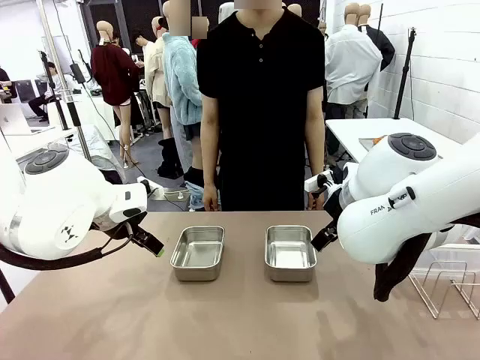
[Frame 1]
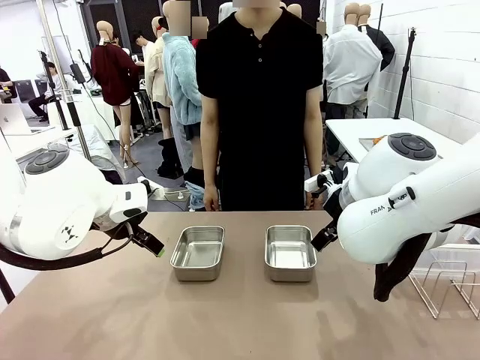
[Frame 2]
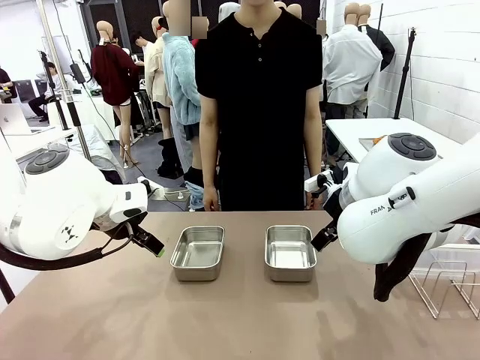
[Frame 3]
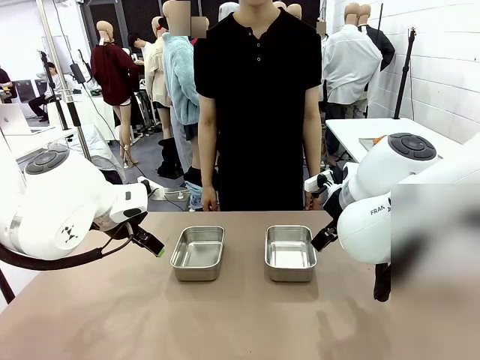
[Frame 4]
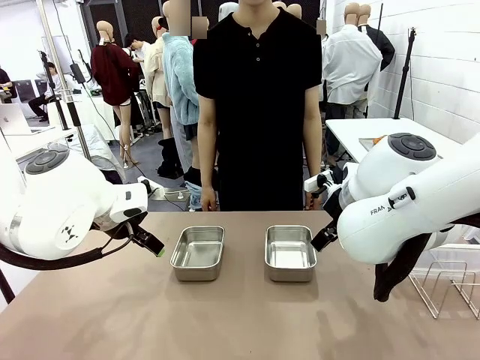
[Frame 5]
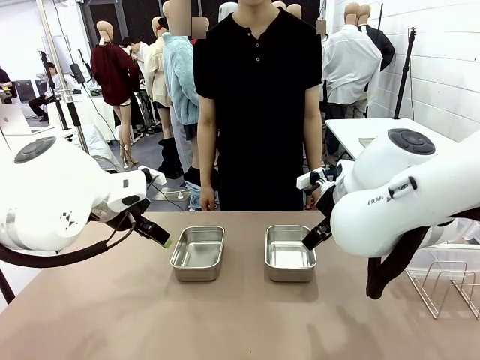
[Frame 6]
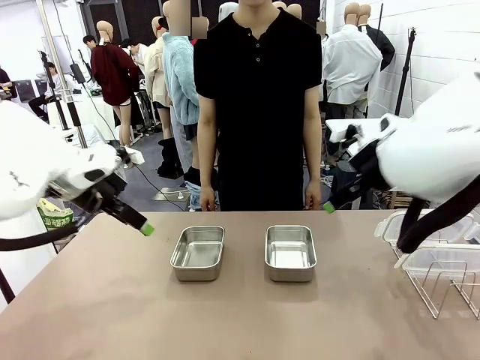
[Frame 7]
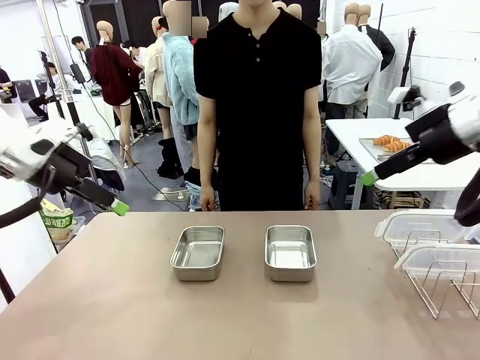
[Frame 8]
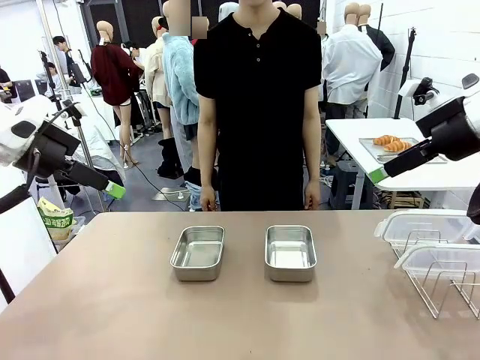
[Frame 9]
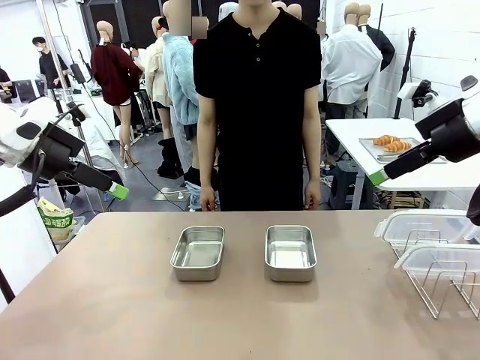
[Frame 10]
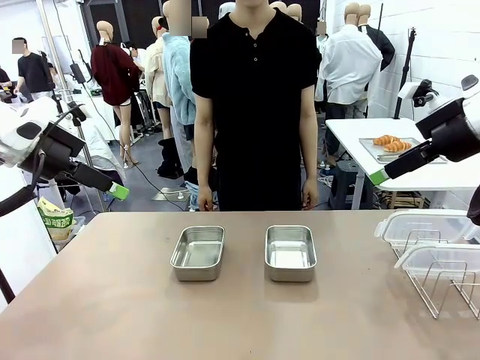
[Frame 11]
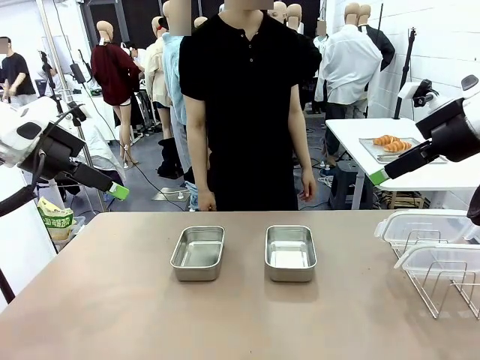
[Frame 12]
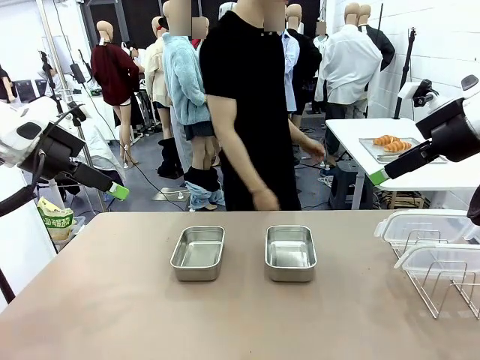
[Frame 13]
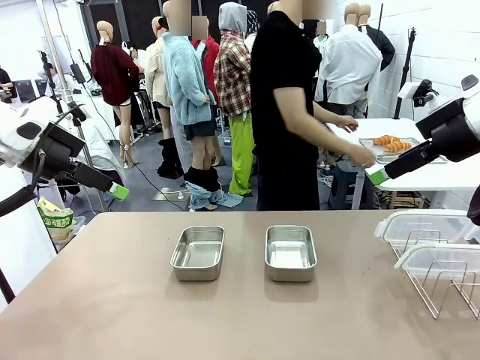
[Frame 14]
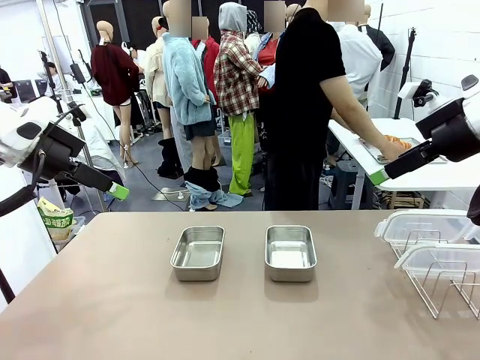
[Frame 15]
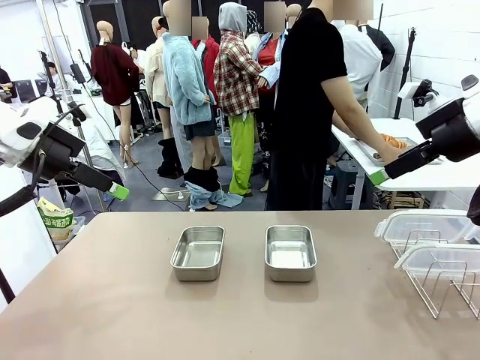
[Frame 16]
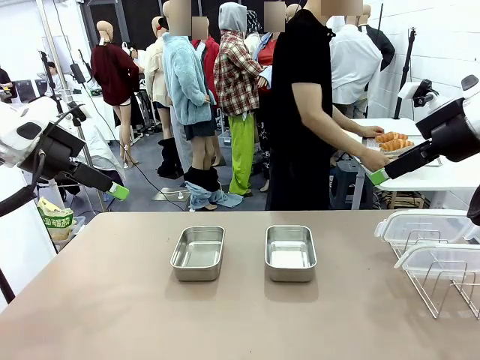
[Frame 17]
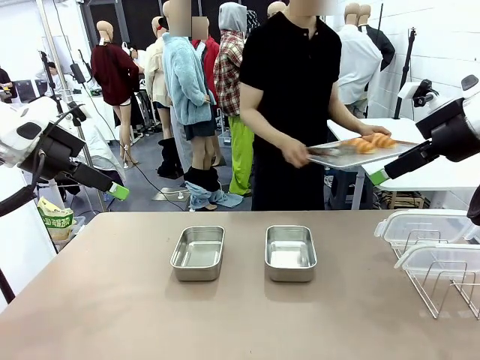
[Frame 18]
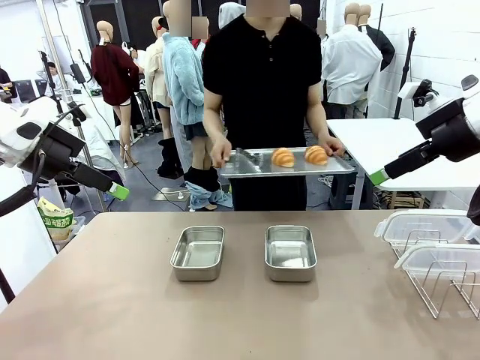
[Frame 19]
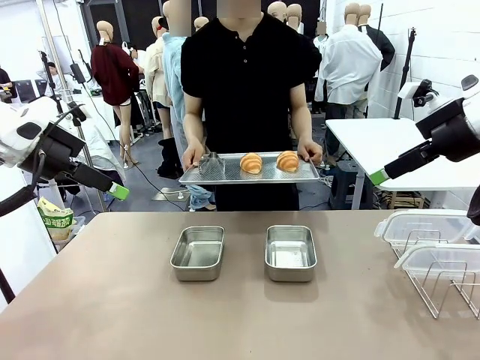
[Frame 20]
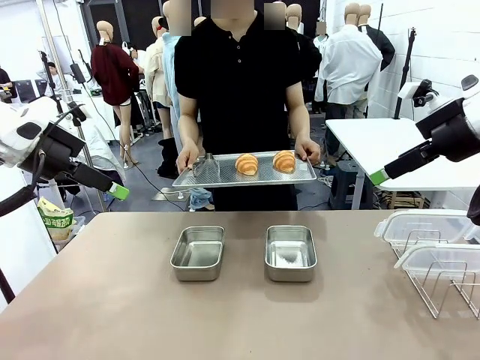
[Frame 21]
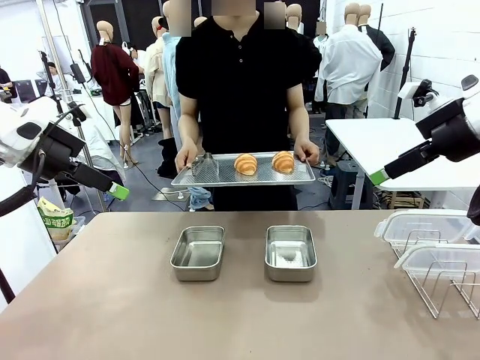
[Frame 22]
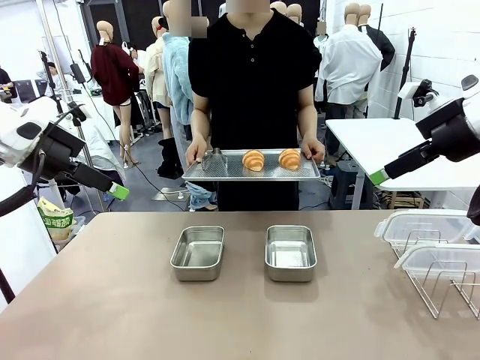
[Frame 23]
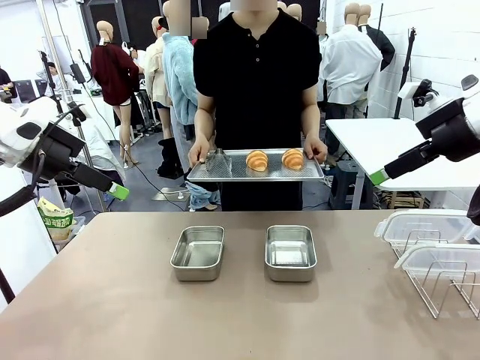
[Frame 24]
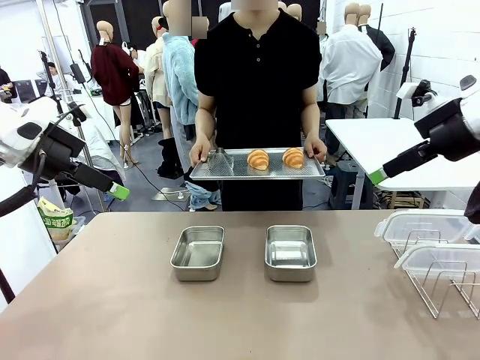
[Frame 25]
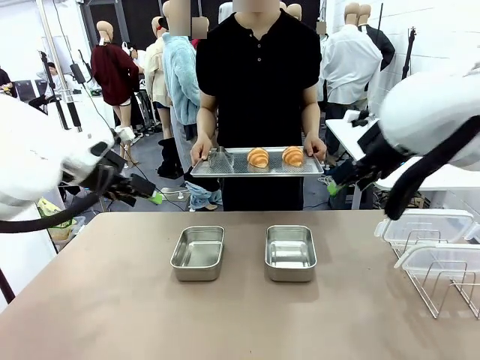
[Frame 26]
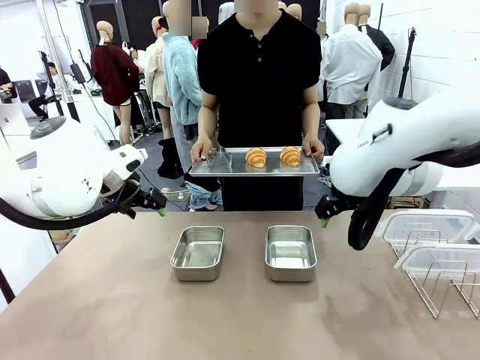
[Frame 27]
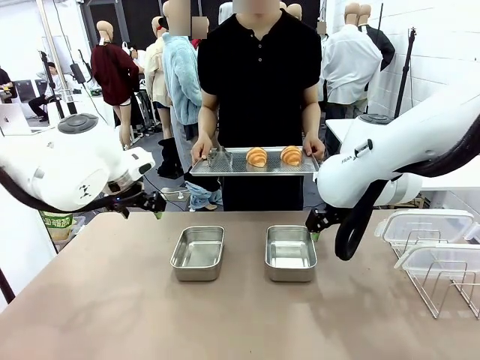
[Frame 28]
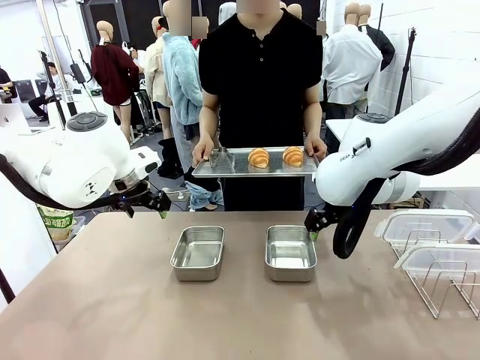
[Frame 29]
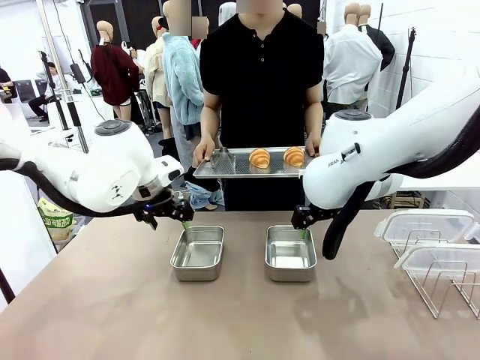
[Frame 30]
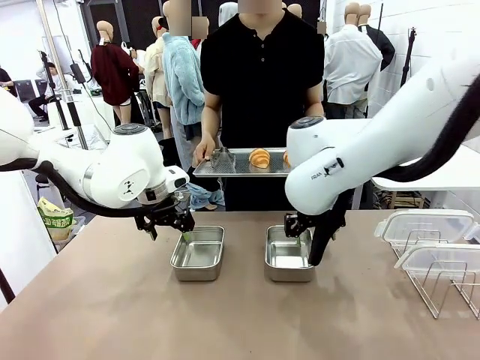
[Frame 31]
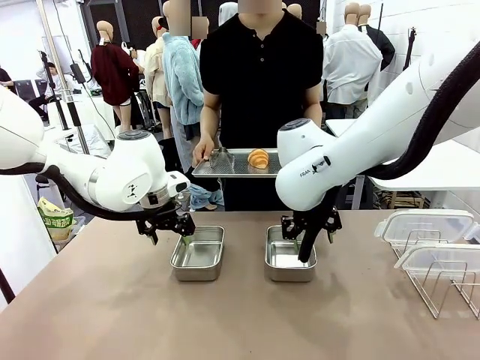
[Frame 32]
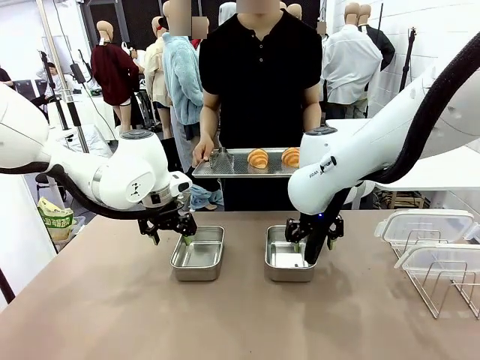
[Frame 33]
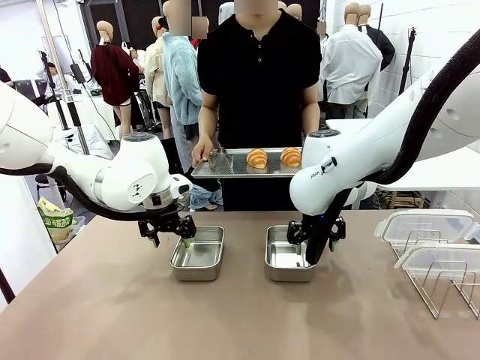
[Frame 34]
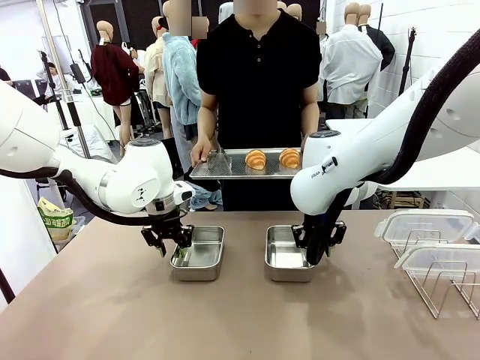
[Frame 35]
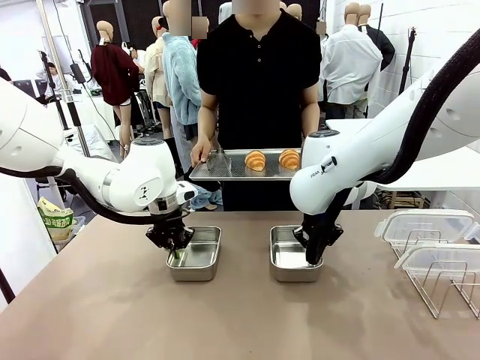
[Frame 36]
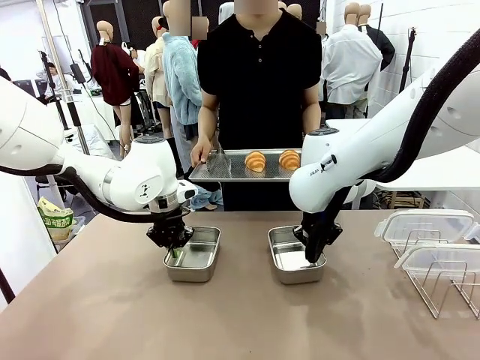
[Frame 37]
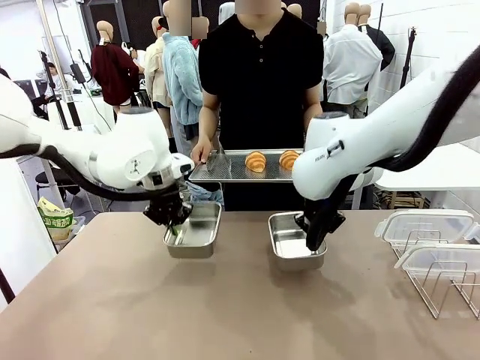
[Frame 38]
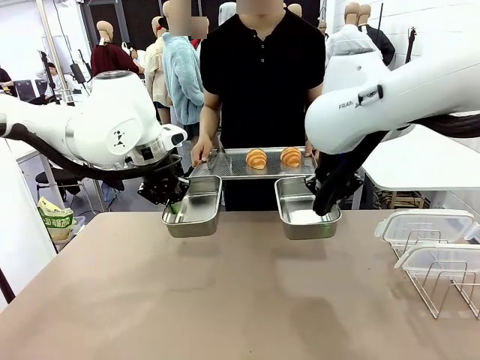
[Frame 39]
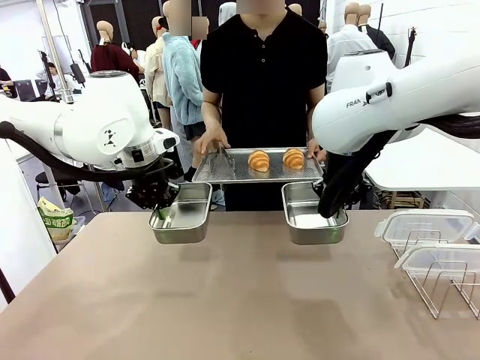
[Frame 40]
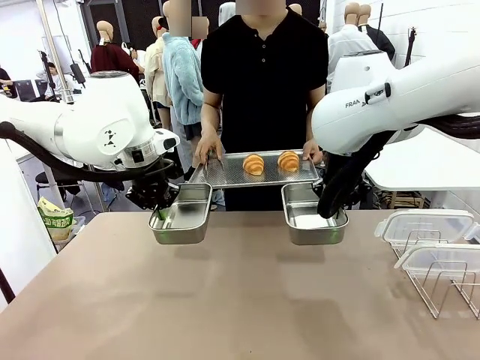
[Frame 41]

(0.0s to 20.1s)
Task: Place the bread in airtight containers.
Robot: Lift both Airtight Container.
Person: Bring the Baking Sheet in front of Robot's Table.
